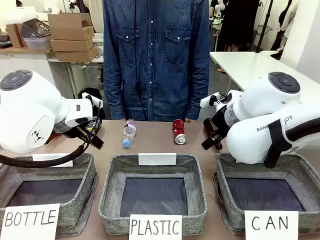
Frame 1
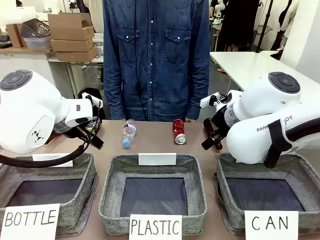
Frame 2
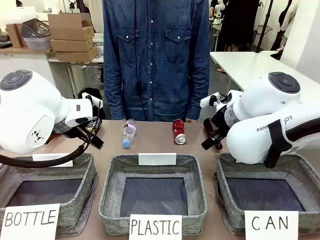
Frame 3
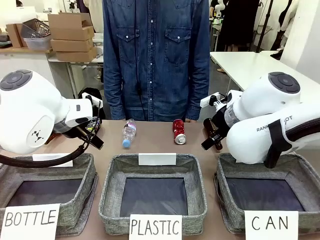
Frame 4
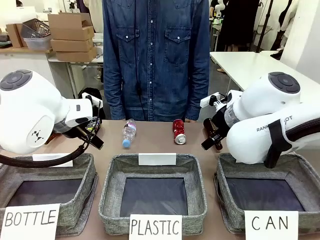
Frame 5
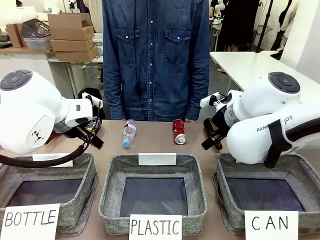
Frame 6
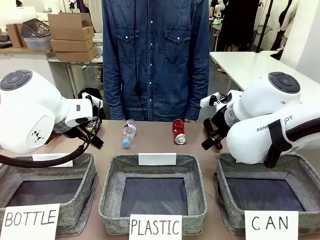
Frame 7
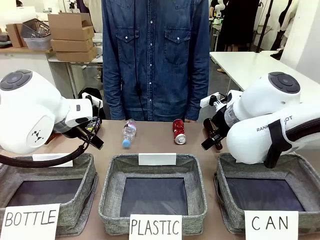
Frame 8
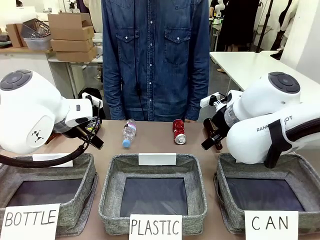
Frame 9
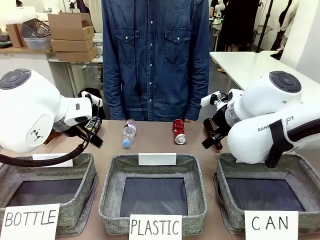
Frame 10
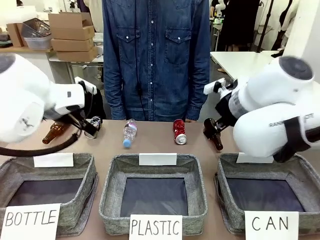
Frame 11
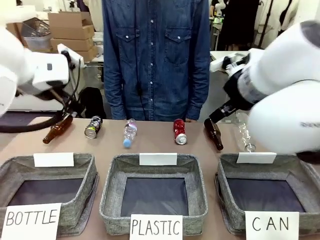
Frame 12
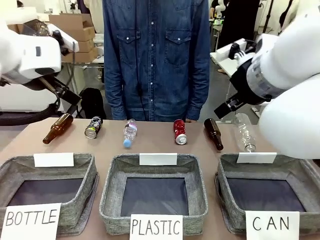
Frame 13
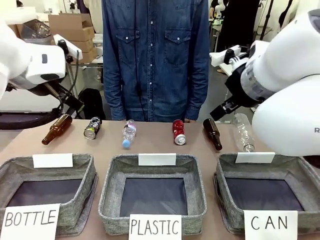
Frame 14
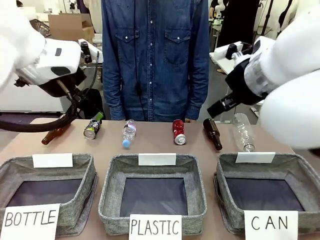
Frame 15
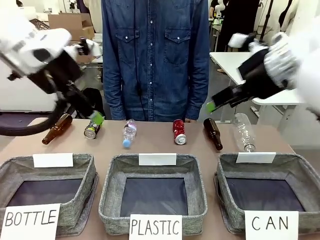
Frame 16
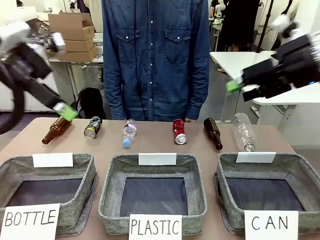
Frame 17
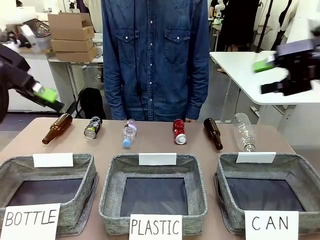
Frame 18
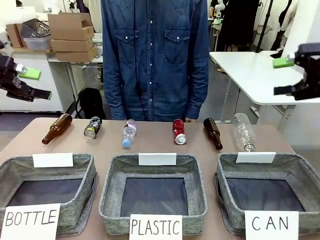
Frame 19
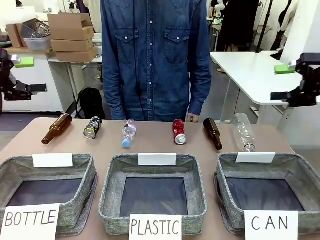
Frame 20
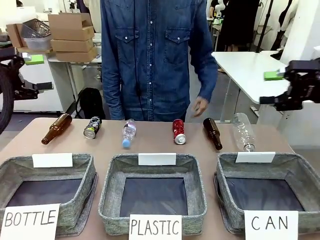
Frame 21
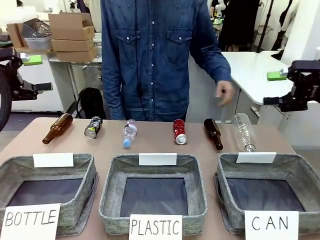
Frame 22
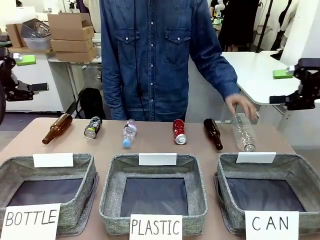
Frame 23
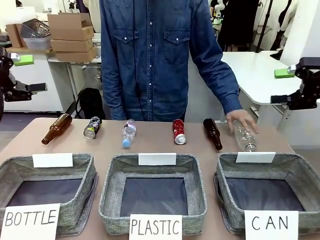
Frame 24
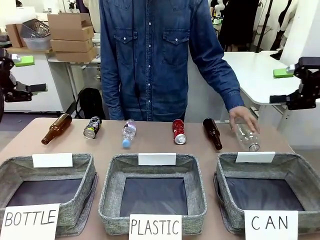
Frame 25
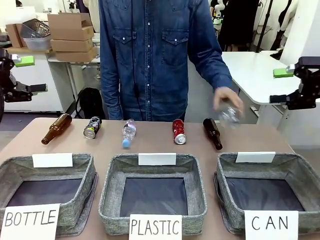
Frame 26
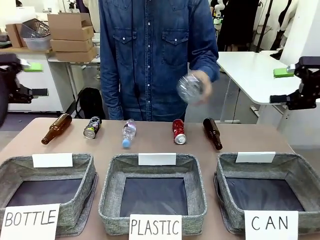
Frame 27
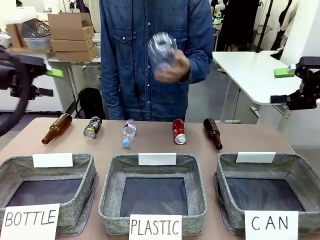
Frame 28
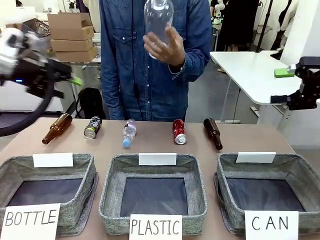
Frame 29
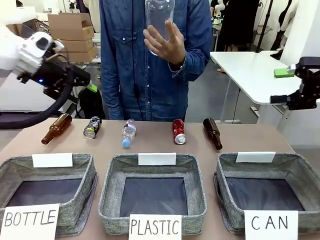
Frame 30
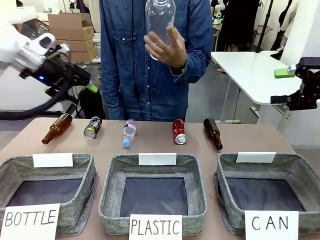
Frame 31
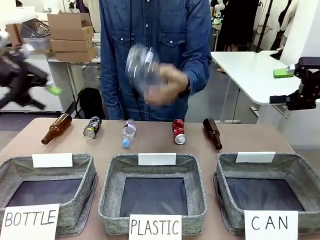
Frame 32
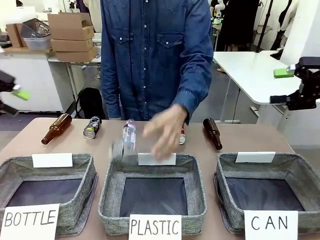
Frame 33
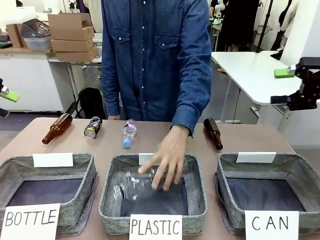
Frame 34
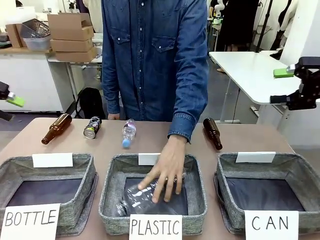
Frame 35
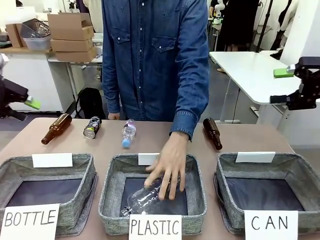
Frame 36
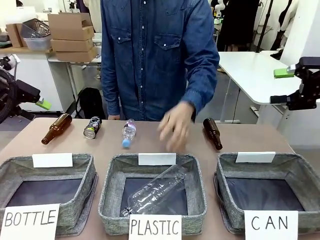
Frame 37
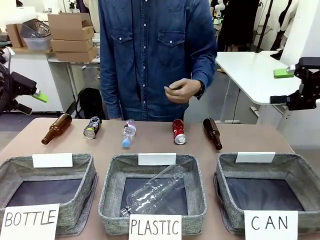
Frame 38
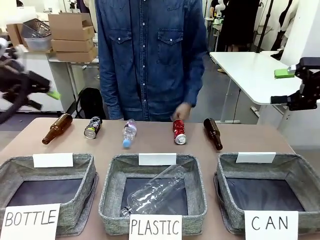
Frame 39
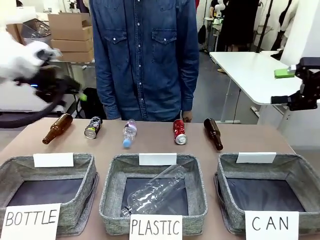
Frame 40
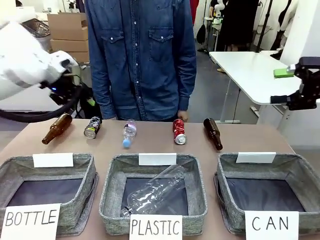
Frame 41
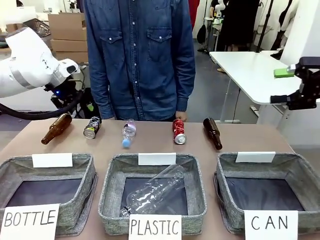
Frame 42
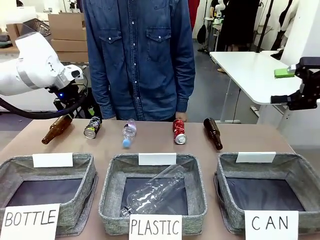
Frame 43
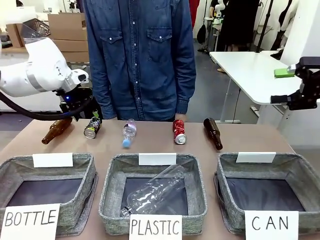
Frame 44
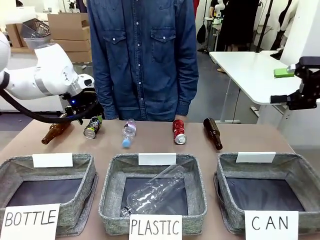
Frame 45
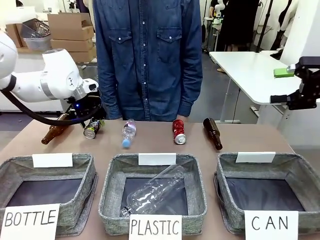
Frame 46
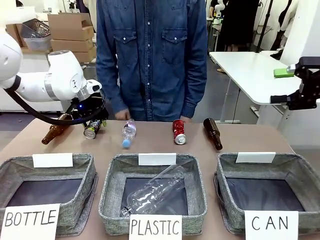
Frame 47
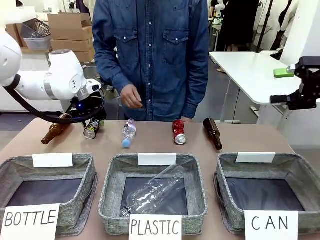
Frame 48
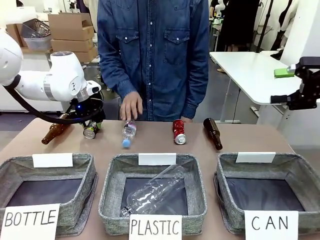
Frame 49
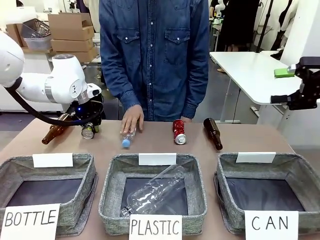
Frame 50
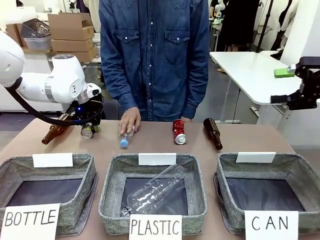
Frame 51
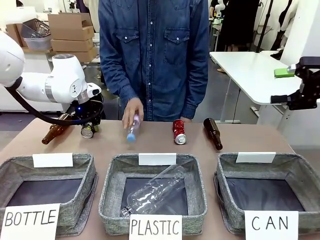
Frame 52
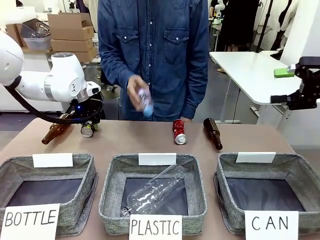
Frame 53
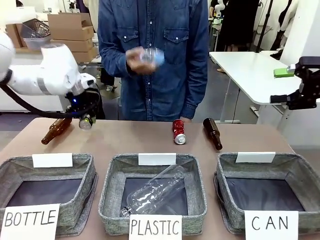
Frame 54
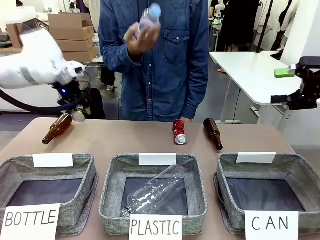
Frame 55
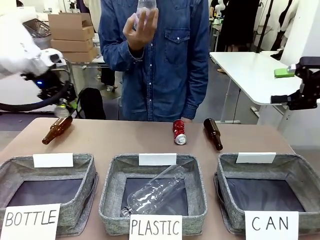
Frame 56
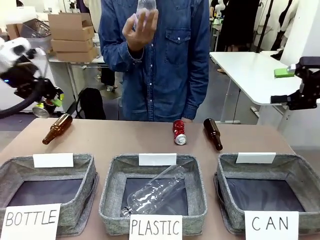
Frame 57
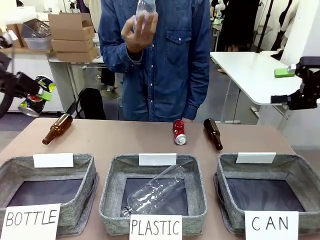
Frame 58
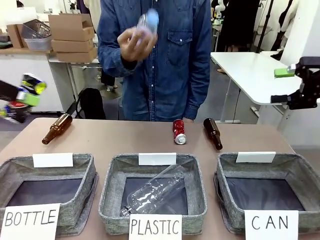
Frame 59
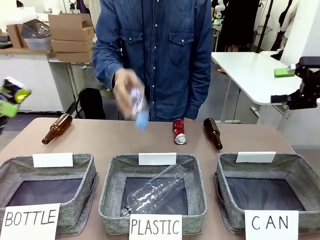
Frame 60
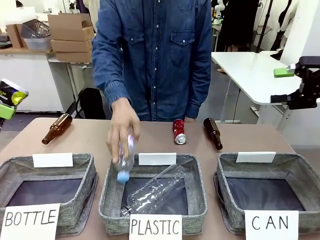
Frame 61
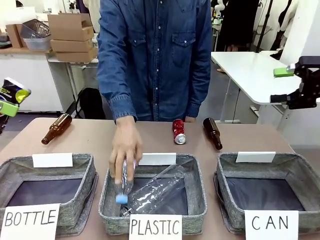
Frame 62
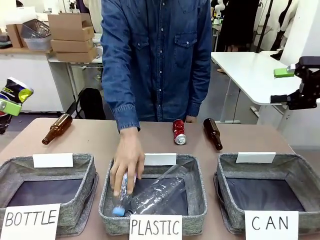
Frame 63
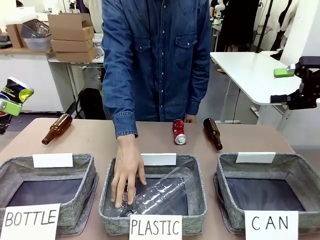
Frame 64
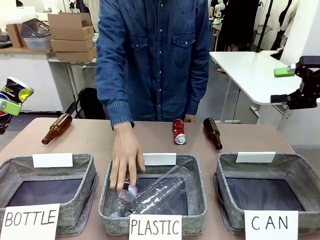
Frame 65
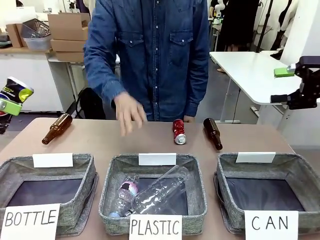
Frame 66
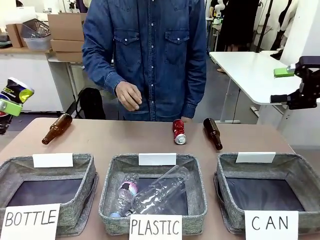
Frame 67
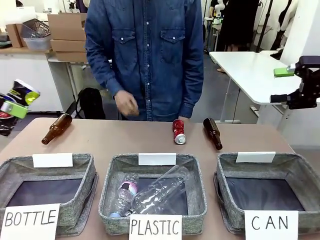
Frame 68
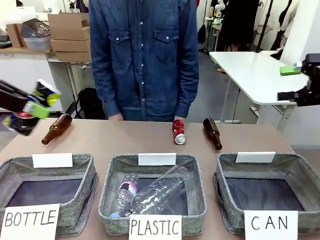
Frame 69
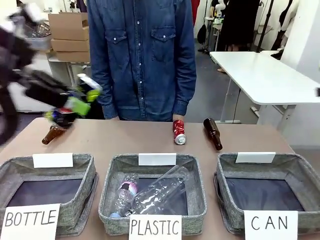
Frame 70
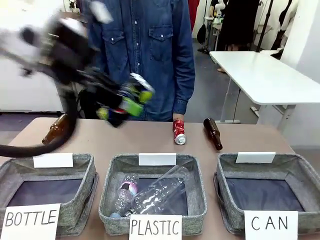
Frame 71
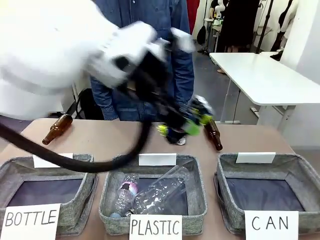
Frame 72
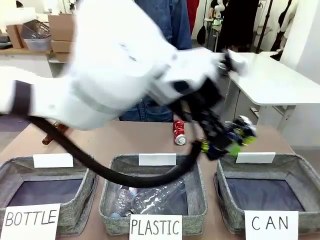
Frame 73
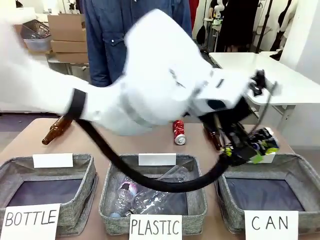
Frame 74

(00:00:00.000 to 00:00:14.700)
Task: Sort the can waste into the basket.
Robot: Pick up the can waste from the table and place it in the right Fabric basket.
